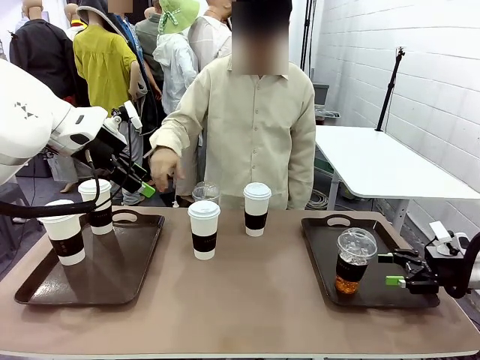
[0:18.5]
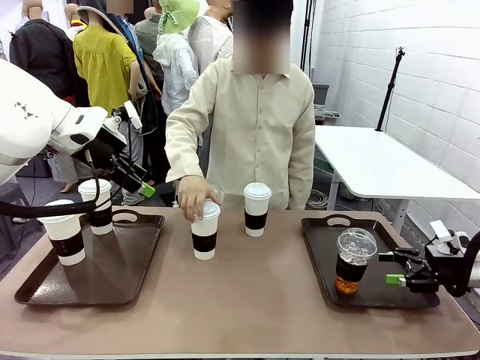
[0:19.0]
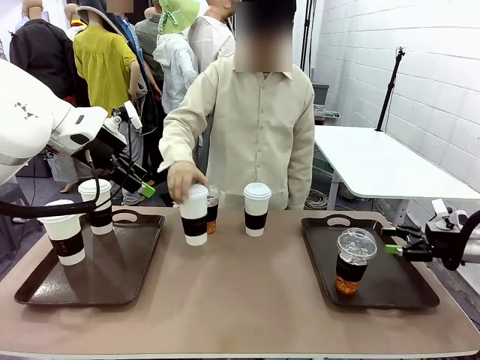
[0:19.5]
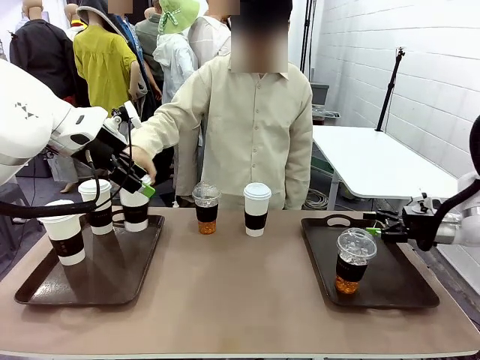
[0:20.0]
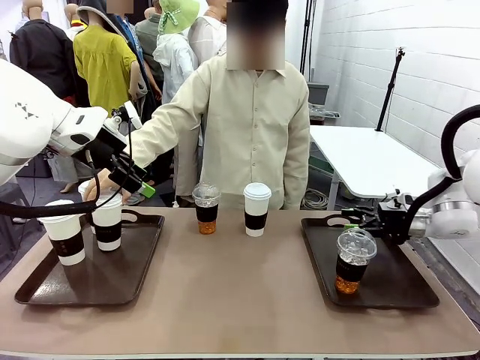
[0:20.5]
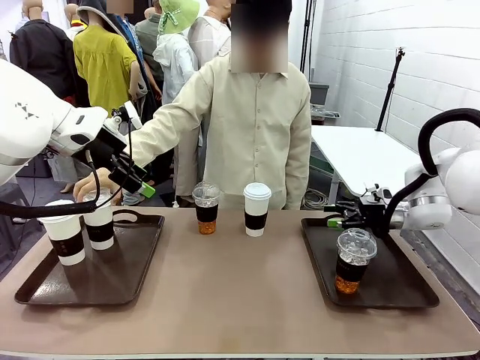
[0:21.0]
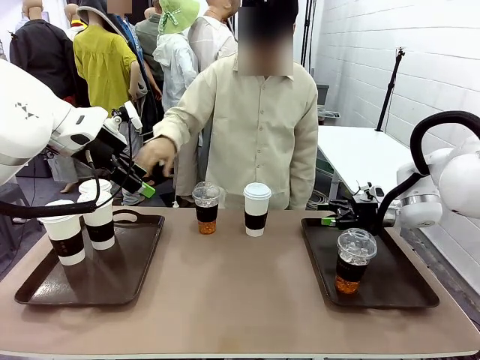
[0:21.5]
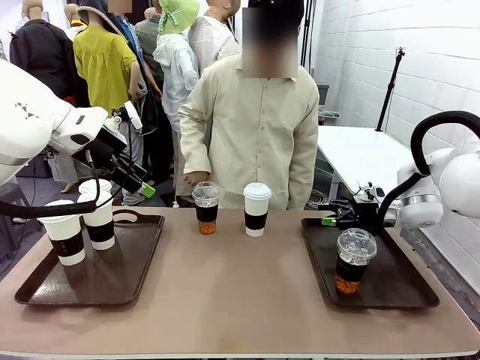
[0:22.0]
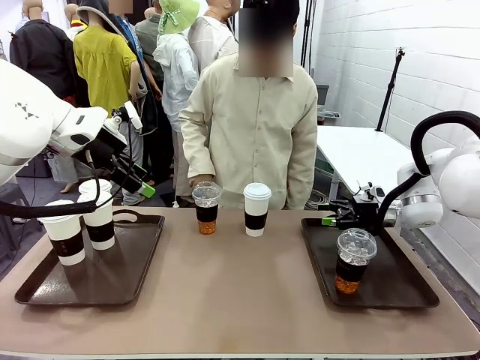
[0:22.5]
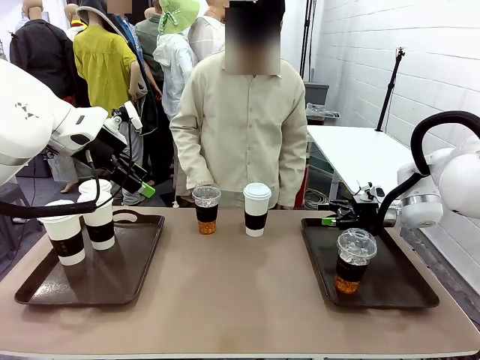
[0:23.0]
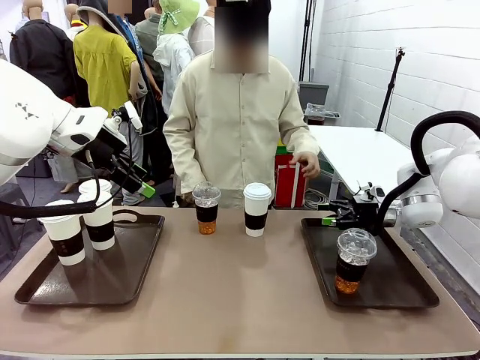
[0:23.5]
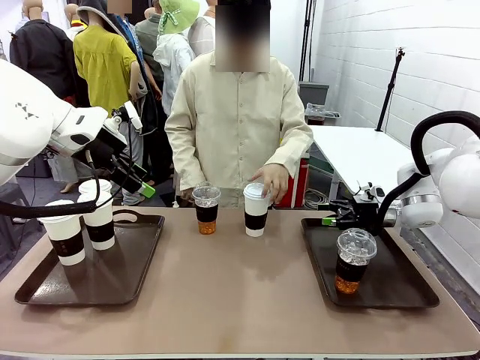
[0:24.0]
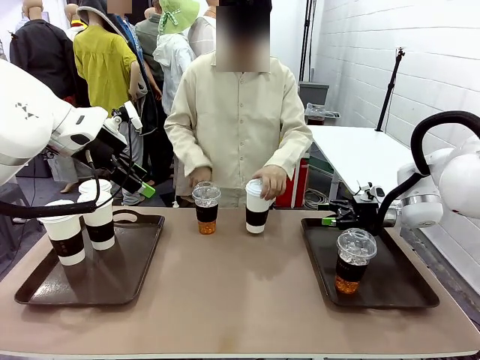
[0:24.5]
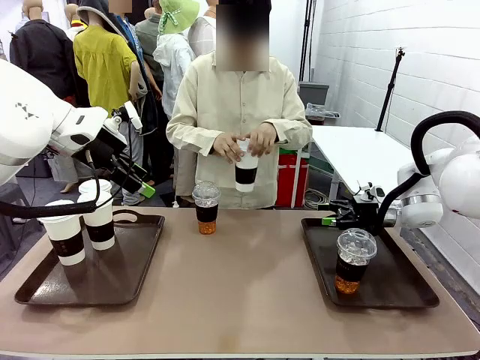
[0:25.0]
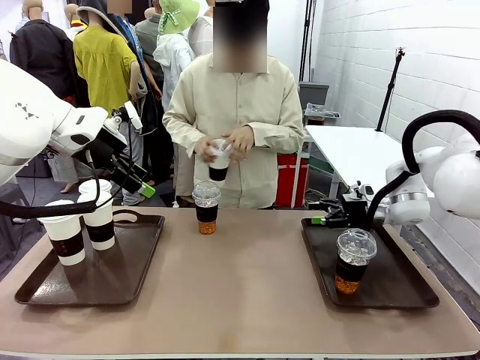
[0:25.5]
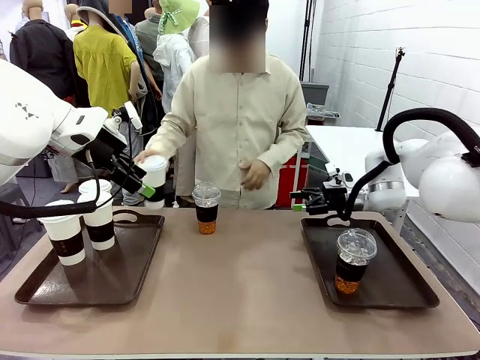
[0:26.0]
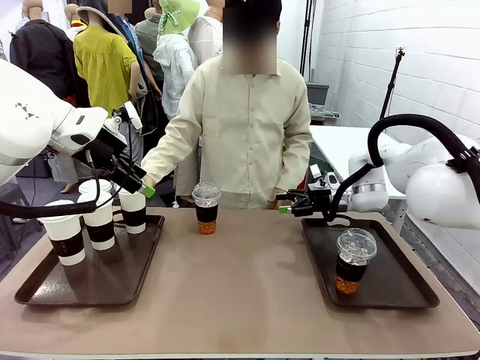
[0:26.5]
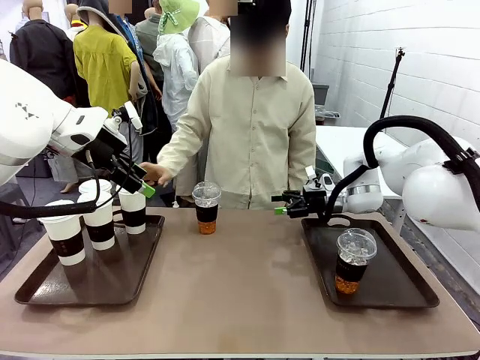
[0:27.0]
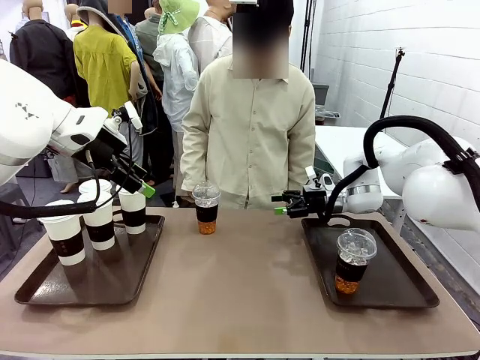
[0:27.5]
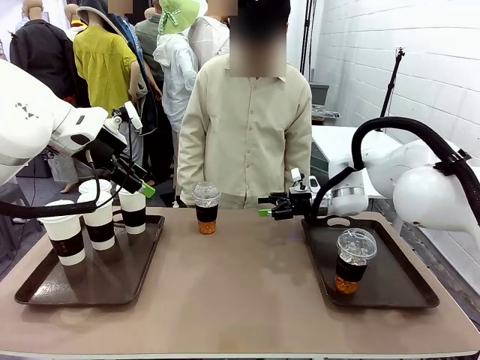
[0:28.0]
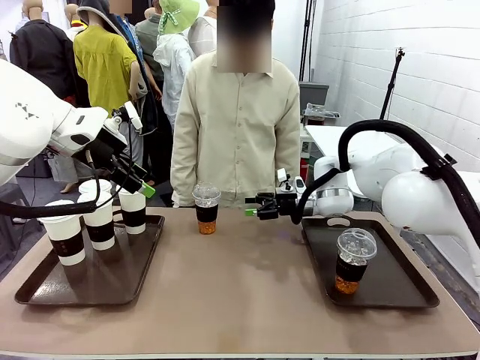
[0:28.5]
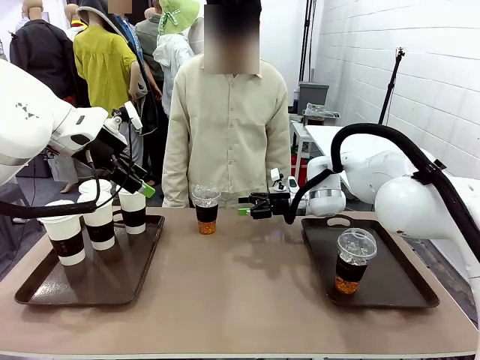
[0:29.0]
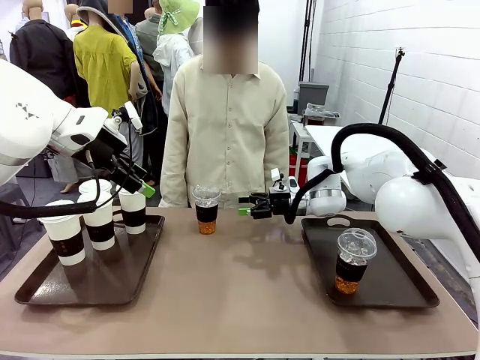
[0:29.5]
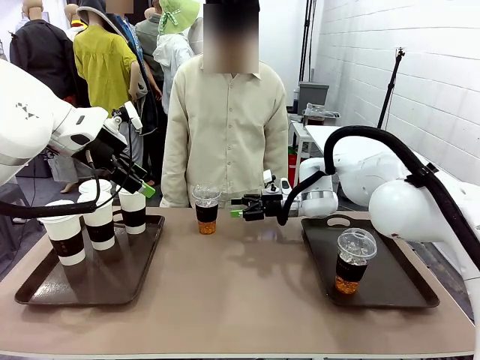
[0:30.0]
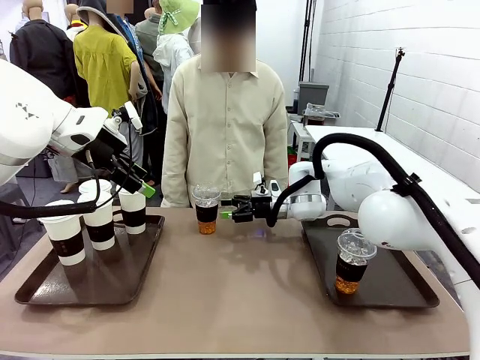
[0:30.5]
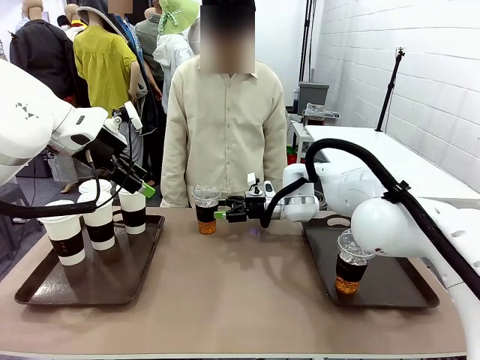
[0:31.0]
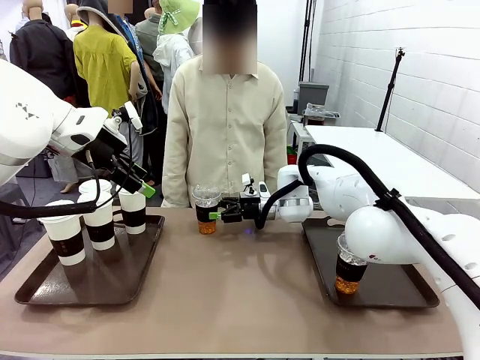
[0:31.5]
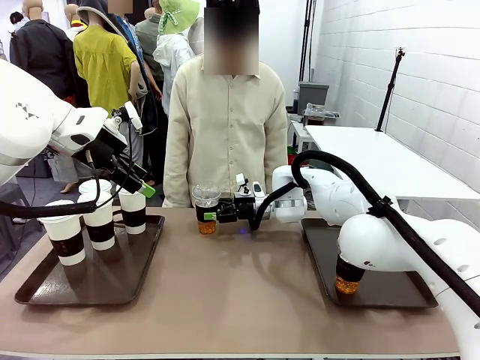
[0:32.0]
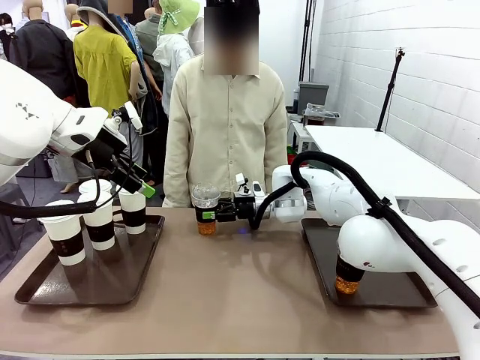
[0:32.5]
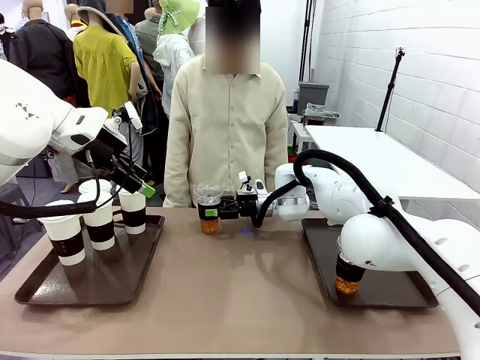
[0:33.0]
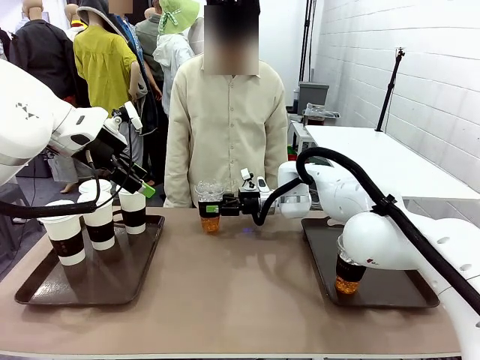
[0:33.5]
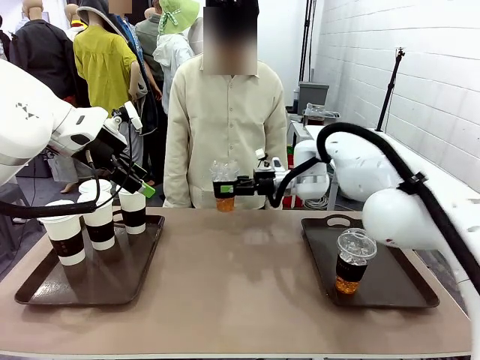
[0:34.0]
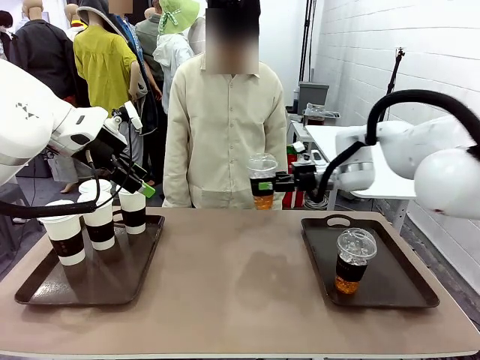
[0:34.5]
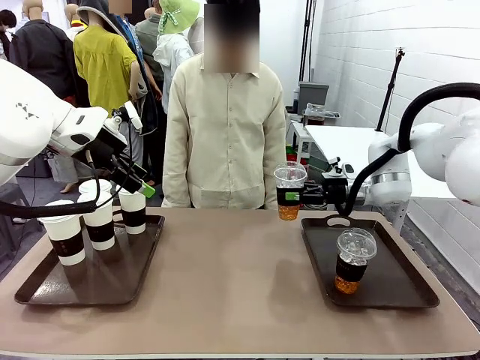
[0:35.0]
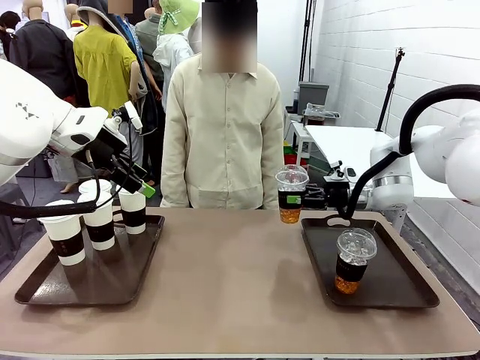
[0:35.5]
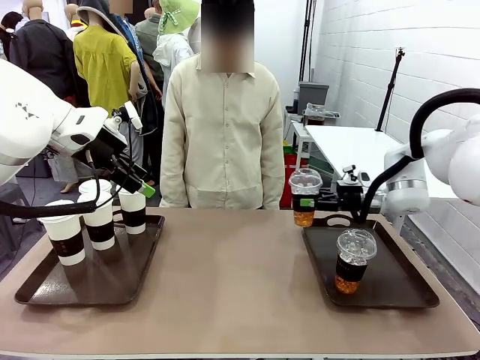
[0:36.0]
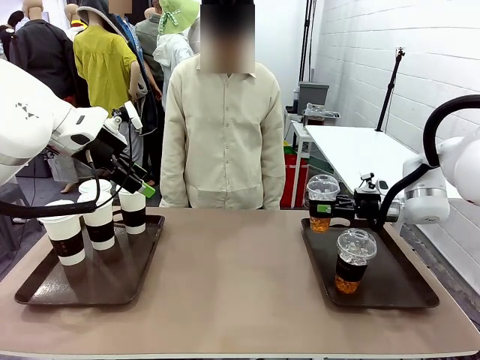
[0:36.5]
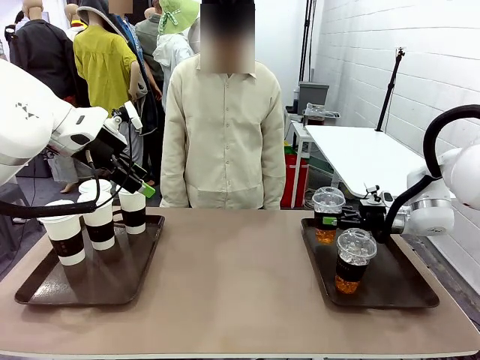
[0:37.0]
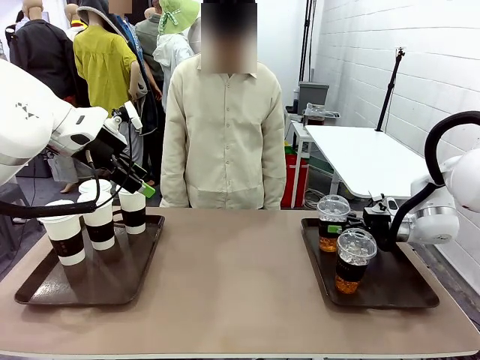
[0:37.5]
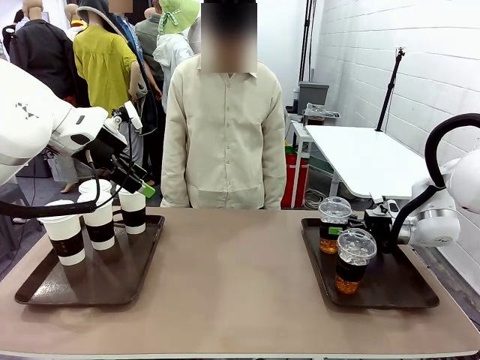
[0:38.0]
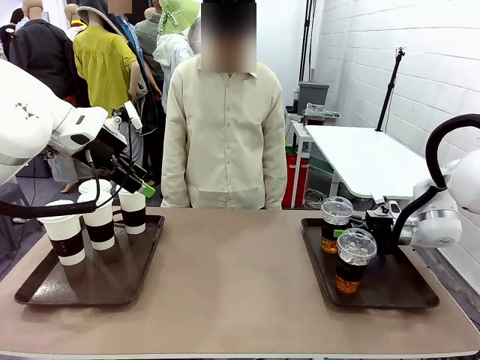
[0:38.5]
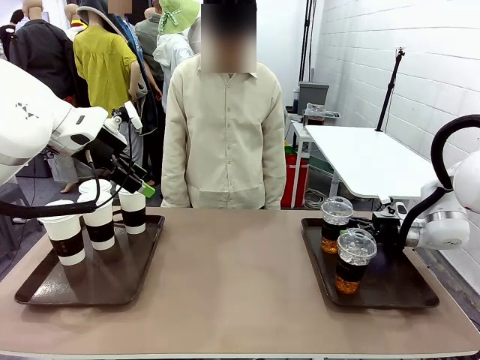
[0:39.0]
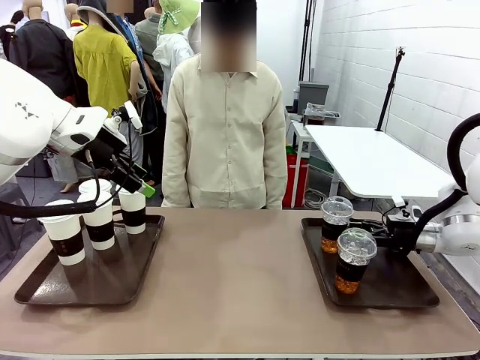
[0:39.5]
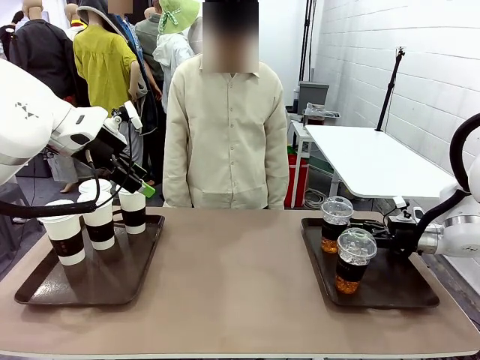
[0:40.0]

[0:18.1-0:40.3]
Task: Distribute the coffee onto the tray.
Robot: Pick up another iced Americano from the middle of the table and place it on the right Handle tray.
Person: Pick up a cup of hot Americano from the middle of the table and place it on the right tray.

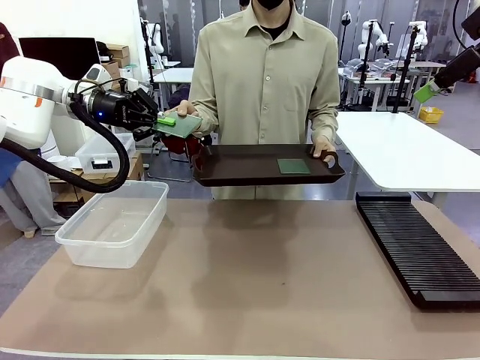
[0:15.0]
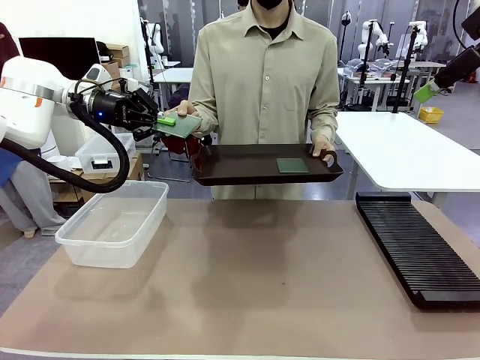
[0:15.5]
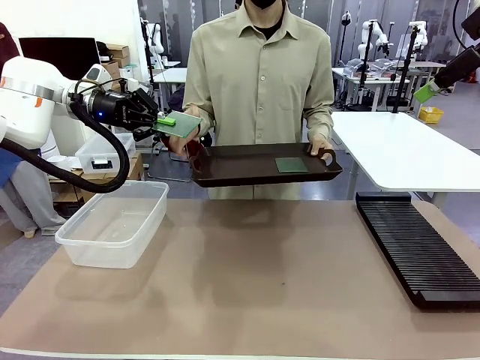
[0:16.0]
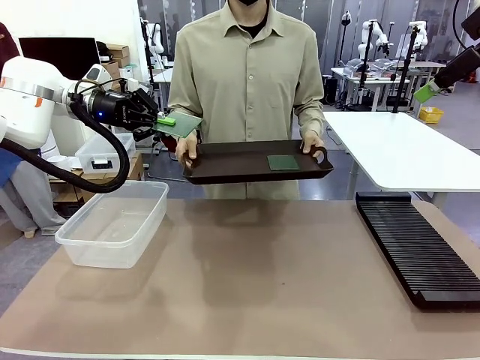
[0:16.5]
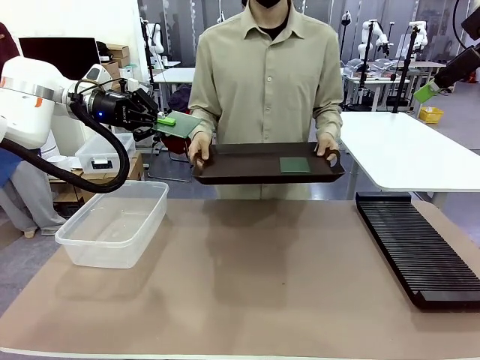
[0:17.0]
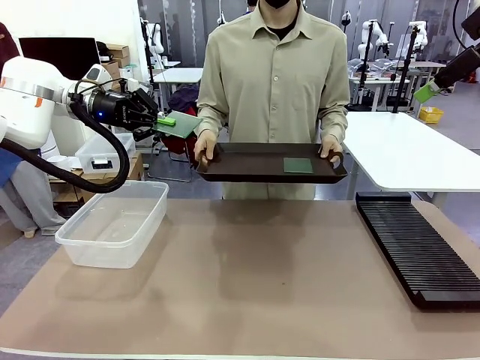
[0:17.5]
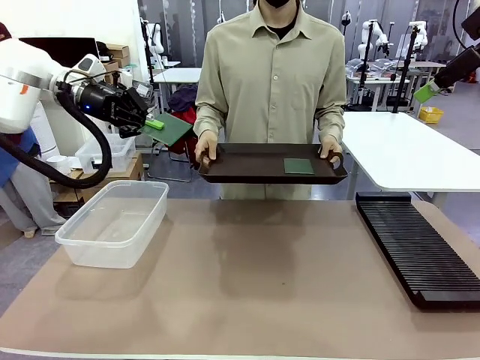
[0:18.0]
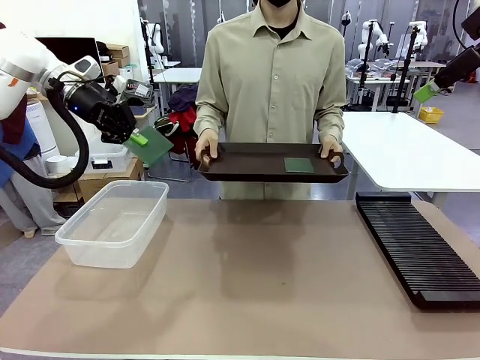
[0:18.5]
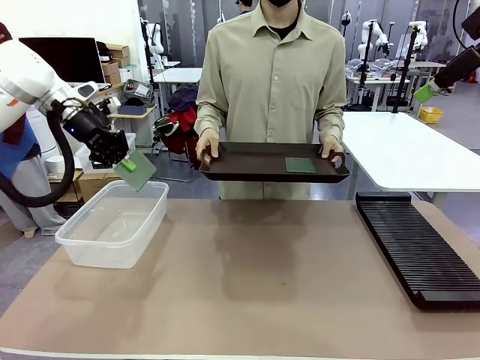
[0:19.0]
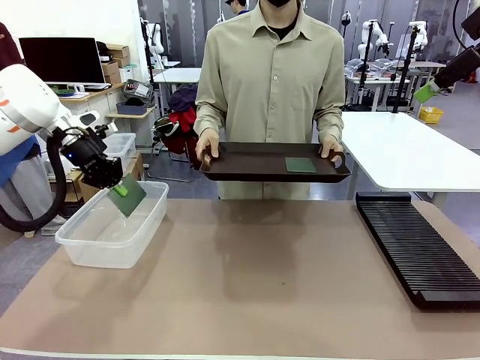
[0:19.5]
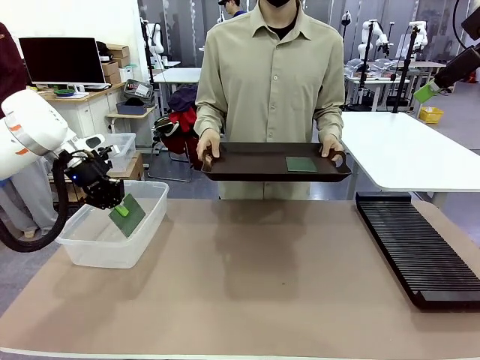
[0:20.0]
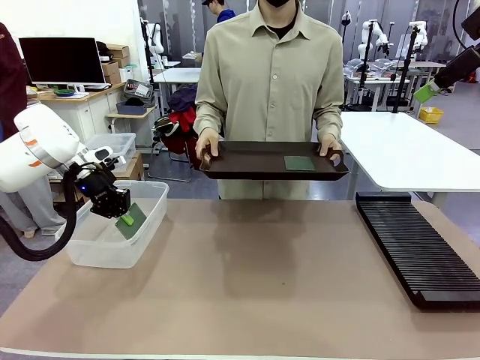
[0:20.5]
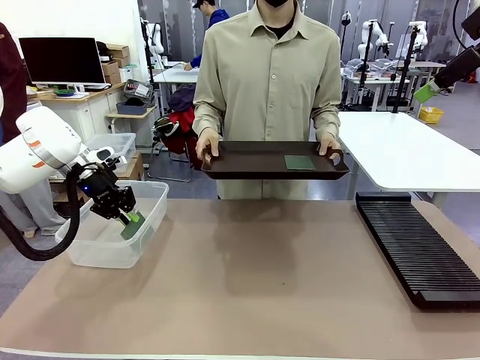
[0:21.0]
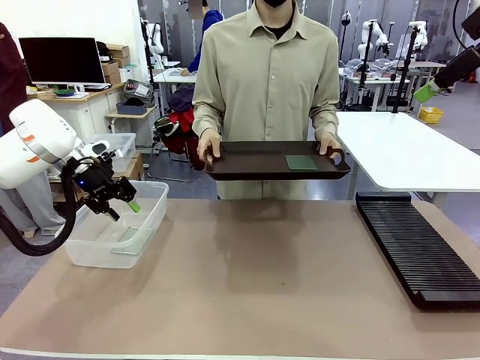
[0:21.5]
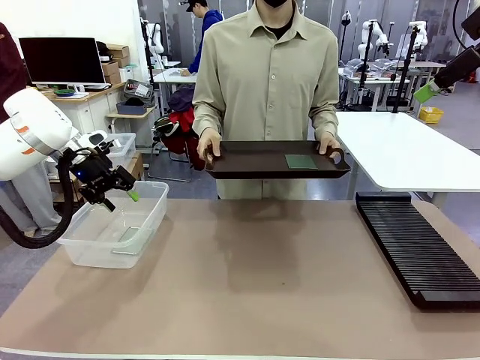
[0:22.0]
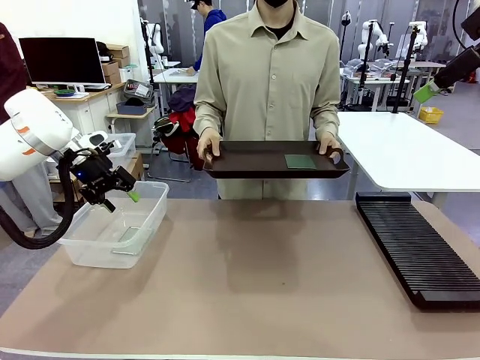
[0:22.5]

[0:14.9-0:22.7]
Task: Sort PCBs into racks and boxes based on the side picked up.
Robot: If the short side of the Blank PCB is picked up, insert it into the PCB Rack ; if the long side is picked up, place it in the Organizing box.
Person: Pick one PCB from the tray and present it to the robot.
